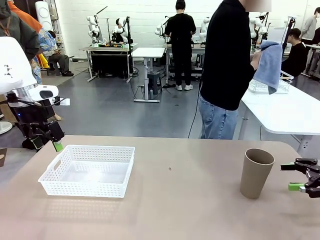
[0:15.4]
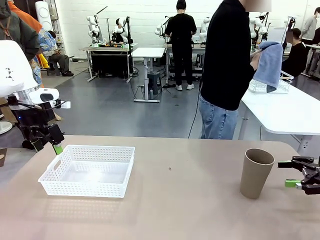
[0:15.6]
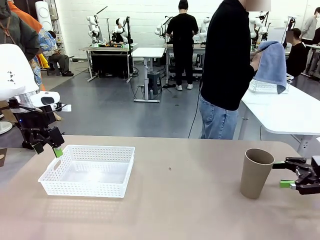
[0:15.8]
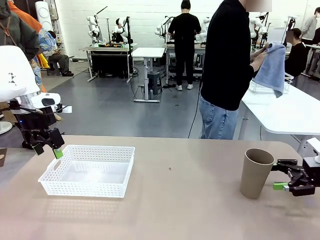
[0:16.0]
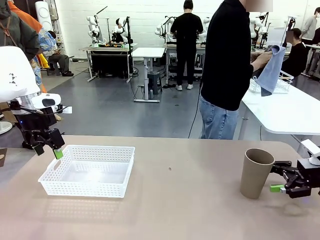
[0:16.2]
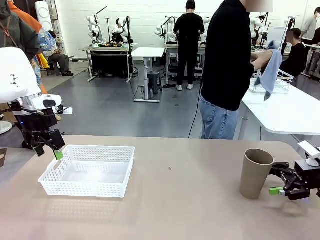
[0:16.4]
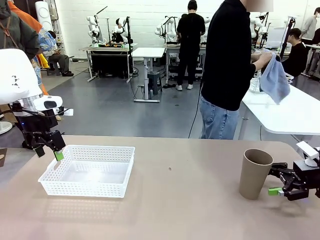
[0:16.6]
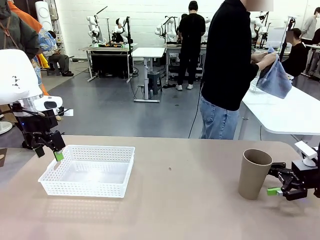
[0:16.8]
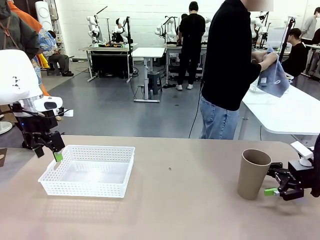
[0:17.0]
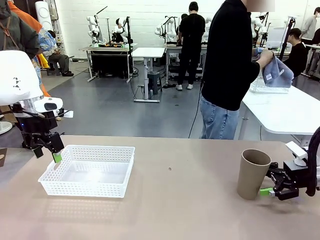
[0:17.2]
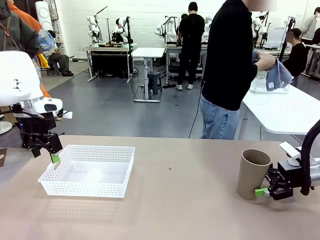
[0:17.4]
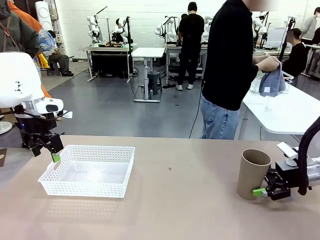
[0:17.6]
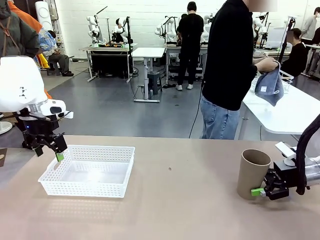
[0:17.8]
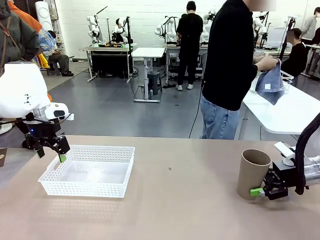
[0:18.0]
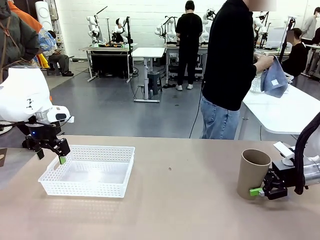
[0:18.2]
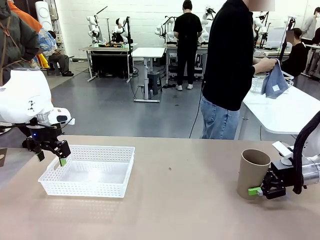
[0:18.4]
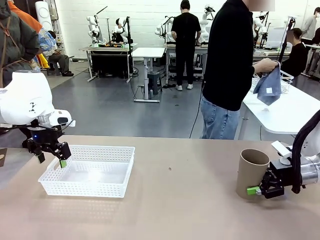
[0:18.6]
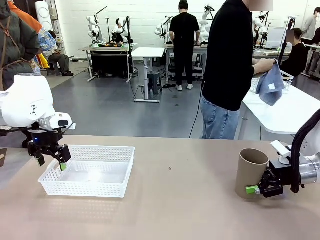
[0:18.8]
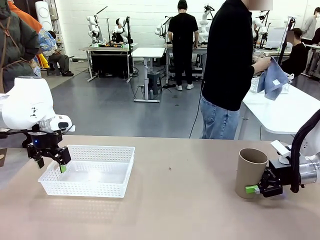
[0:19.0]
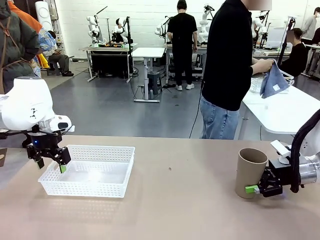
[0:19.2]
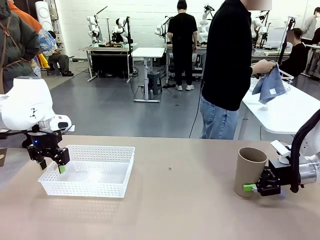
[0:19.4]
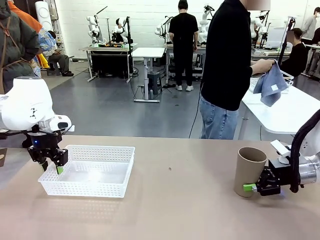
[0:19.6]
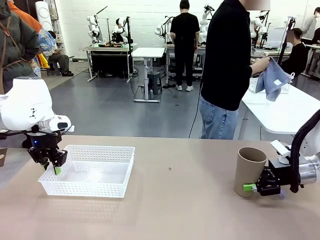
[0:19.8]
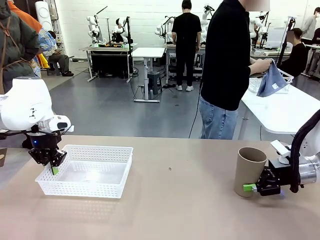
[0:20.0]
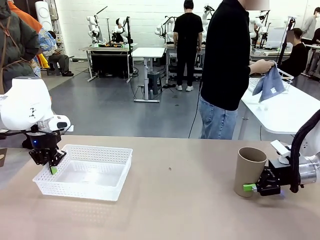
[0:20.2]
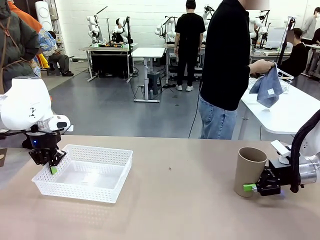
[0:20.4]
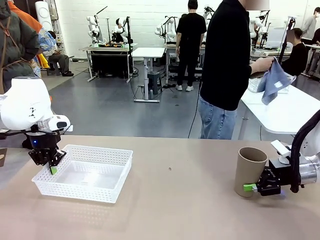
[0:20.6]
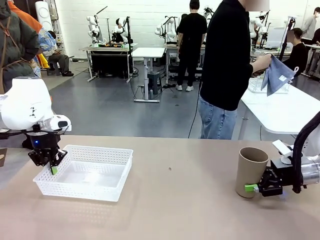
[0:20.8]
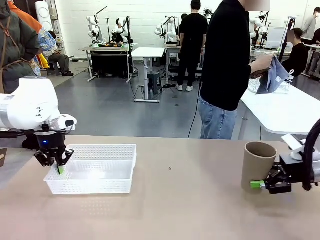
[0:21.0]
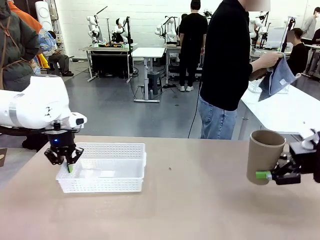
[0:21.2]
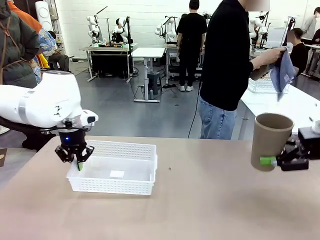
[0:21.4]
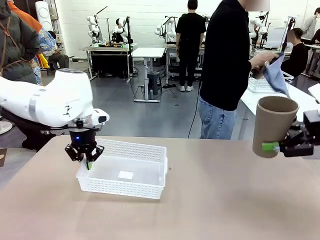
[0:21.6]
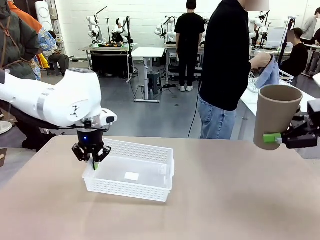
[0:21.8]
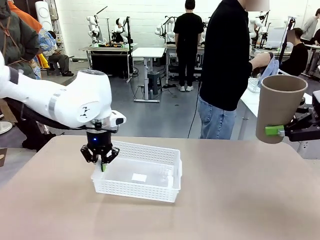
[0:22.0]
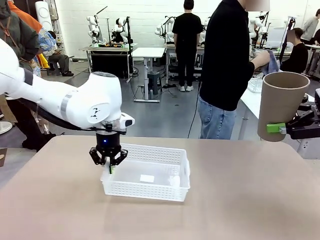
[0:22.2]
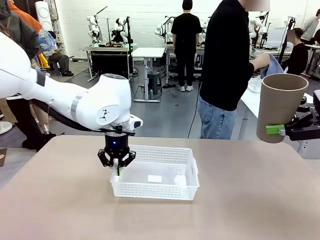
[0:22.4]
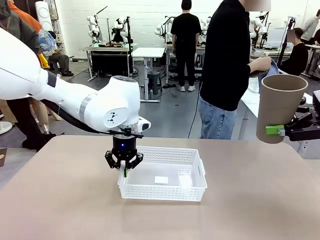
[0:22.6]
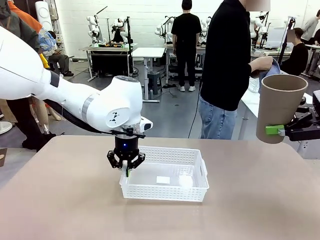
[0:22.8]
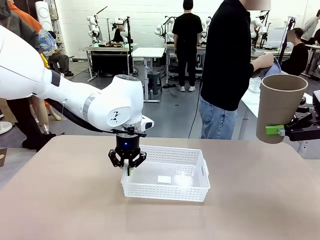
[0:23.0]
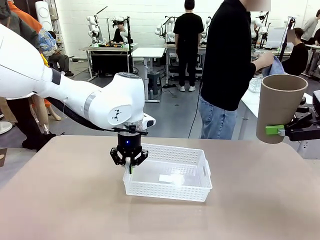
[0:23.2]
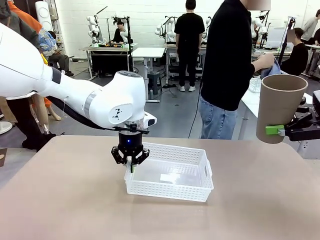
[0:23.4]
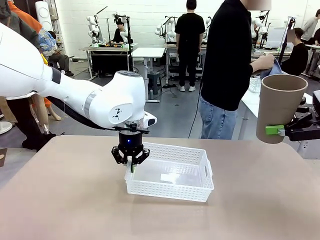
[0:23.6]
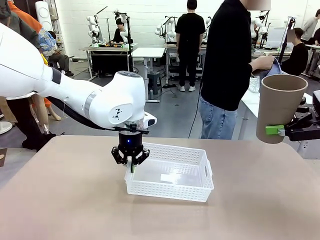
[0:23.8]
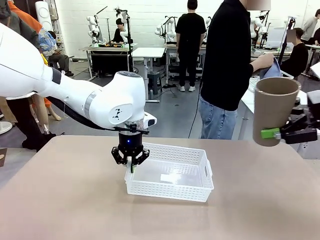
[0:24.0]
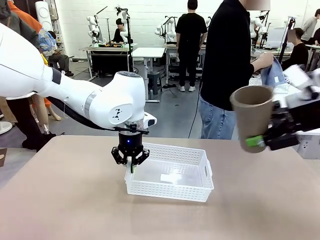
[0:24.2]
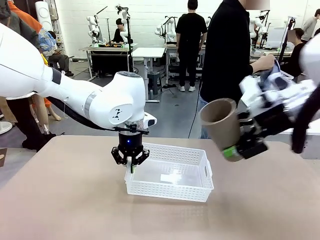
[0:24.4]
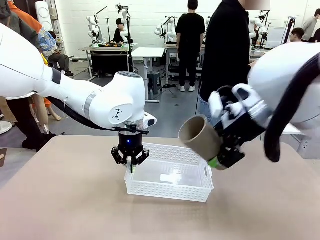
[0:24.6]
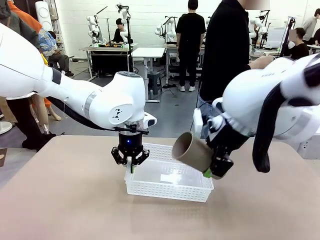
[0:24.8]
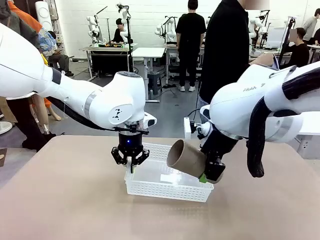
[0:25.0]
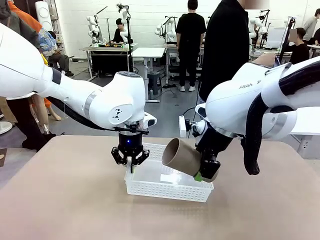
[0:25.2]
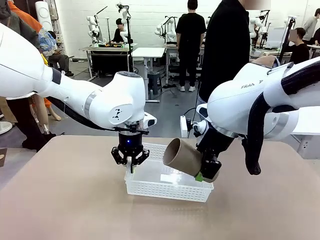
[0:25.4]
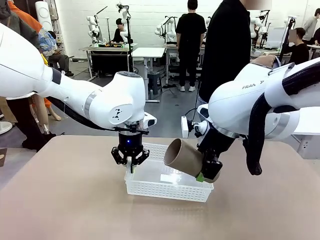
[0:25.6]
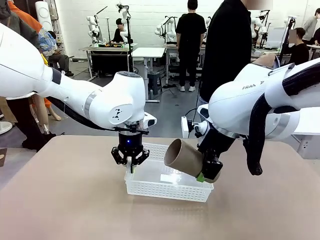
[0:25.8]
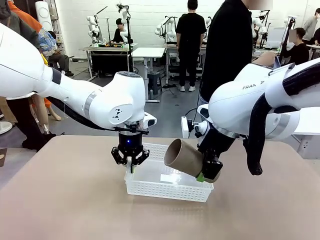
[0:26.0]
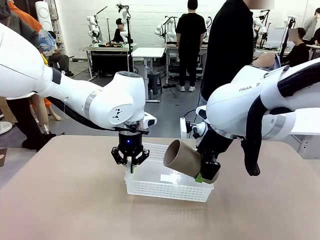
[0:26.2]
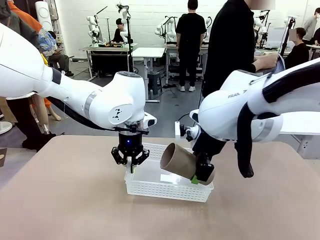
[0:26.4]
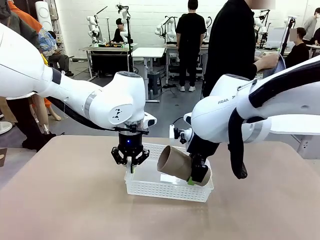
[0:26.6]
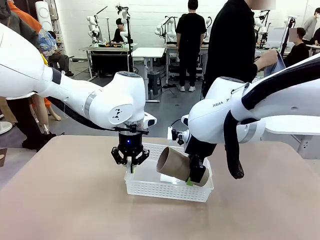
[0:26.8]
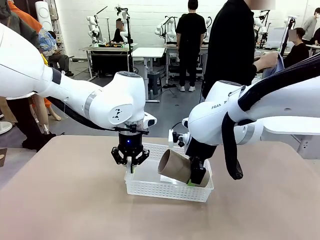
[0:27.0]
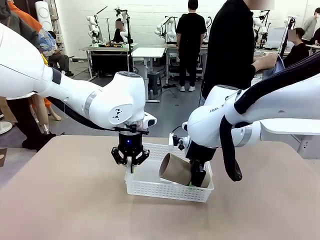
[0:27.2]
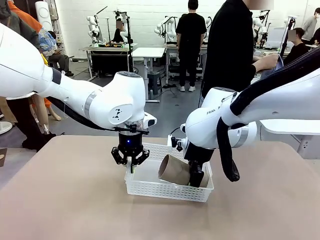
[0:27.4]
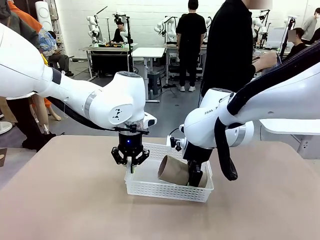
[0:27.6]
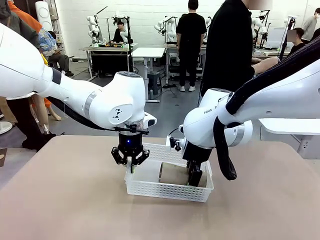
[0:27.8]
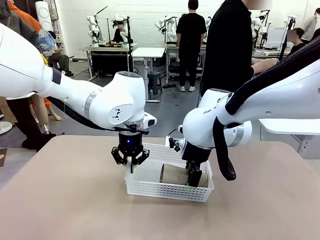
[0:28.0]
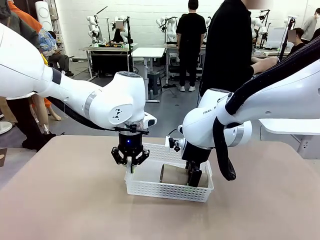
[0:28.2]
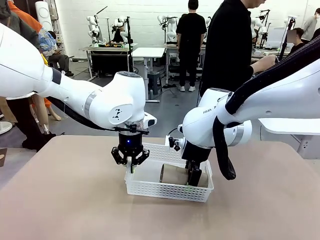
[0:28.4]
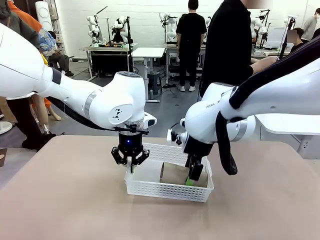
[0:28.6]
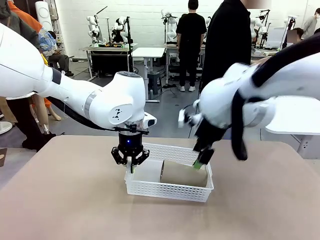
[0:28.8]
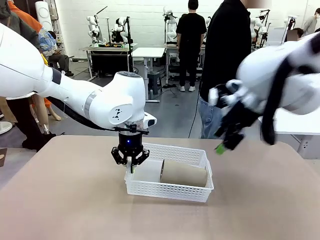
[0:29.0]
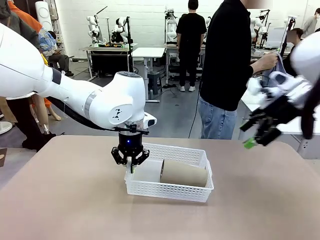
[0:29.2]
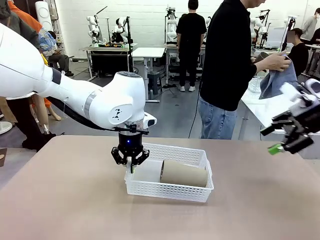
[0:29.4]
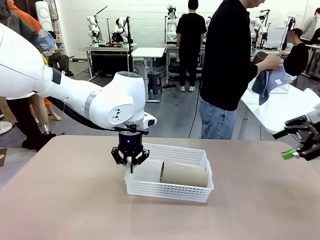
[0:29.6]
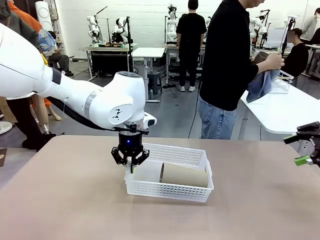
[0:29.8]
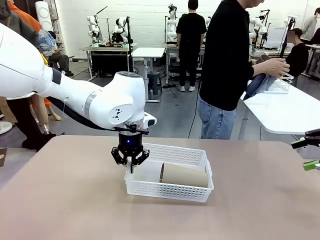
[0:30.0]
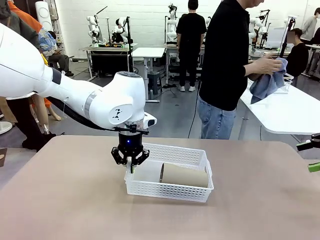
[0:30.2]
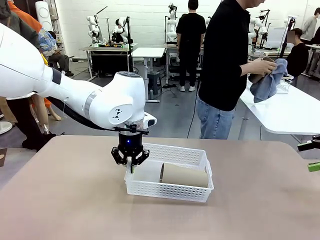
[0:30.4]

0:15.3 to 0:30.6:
Task: Clean and organize the cups into the basket.
Robot: Pick up the Organizing basket and move it to the center of the table, then pick up the Reusable plastic cup from the right side of the table and place it inside the Organizing basket.
